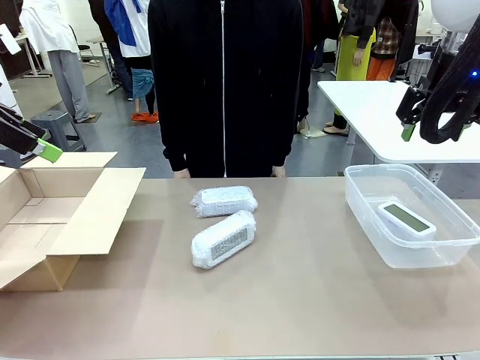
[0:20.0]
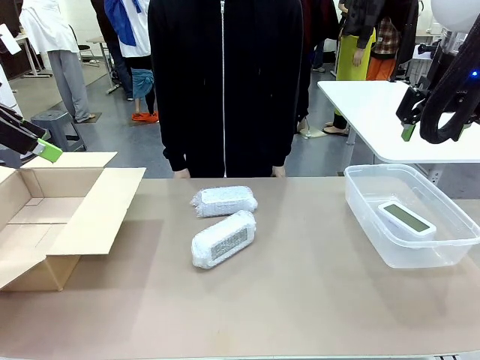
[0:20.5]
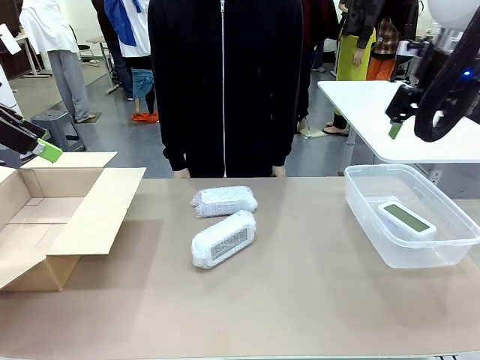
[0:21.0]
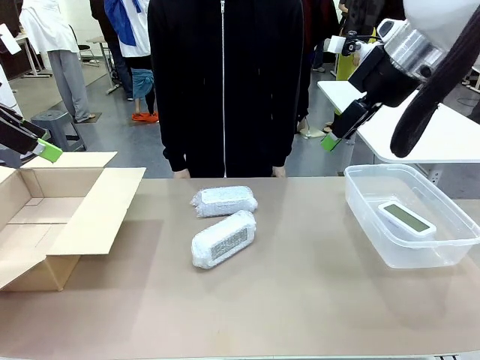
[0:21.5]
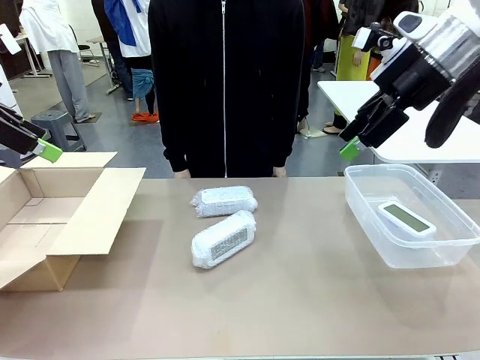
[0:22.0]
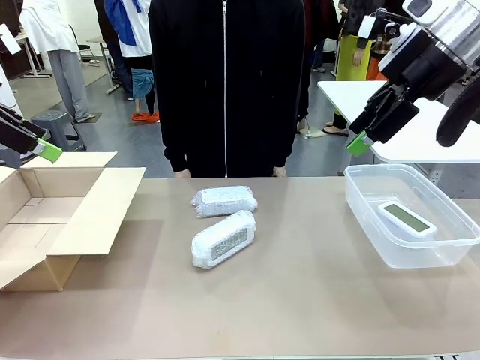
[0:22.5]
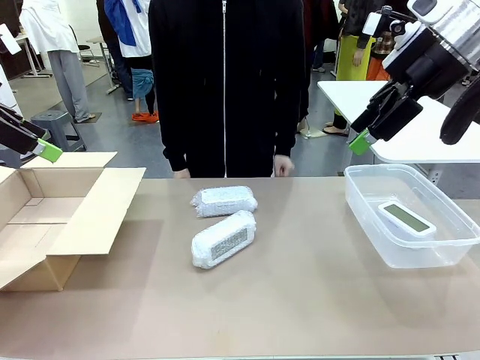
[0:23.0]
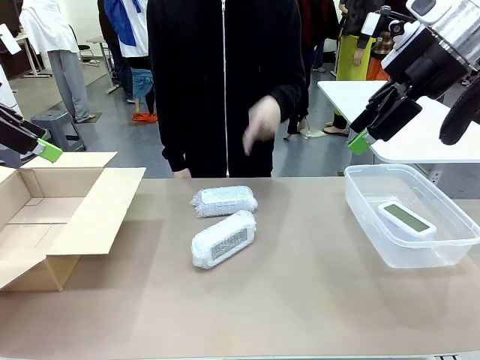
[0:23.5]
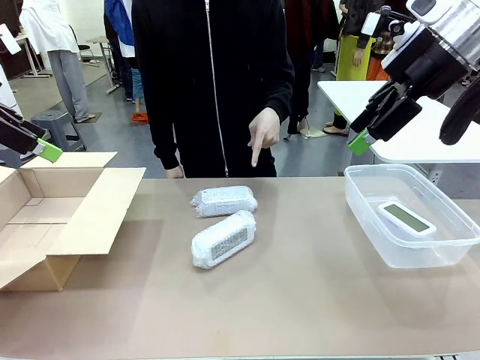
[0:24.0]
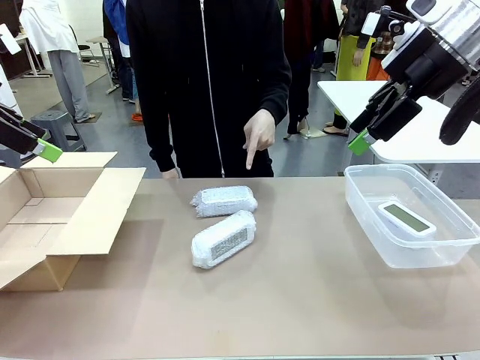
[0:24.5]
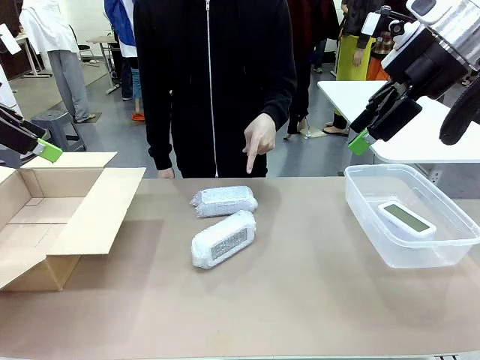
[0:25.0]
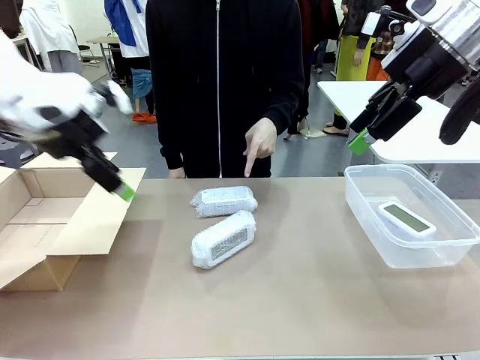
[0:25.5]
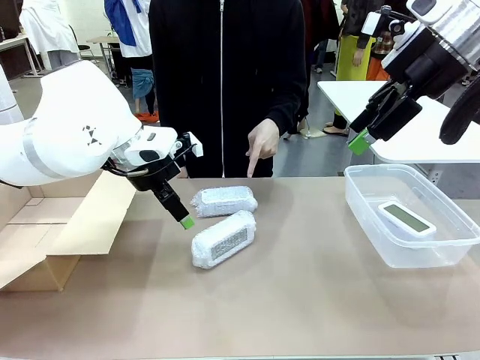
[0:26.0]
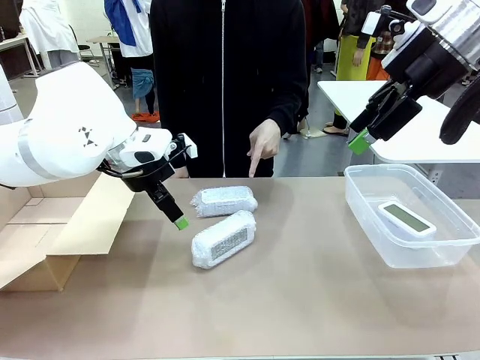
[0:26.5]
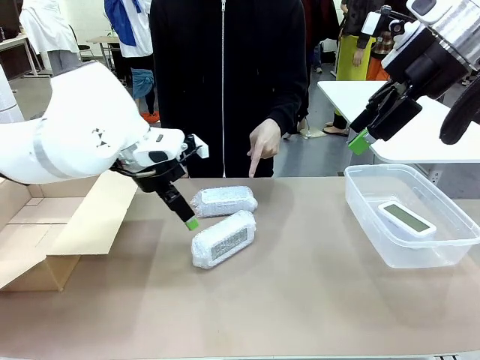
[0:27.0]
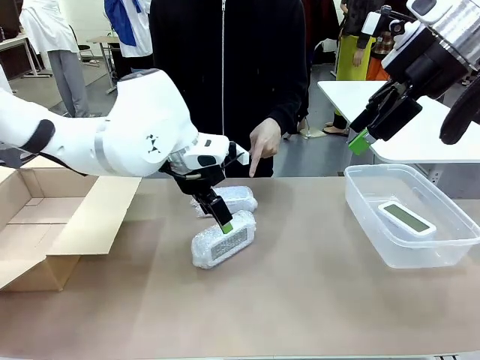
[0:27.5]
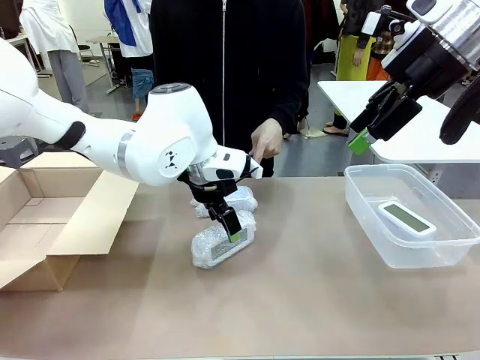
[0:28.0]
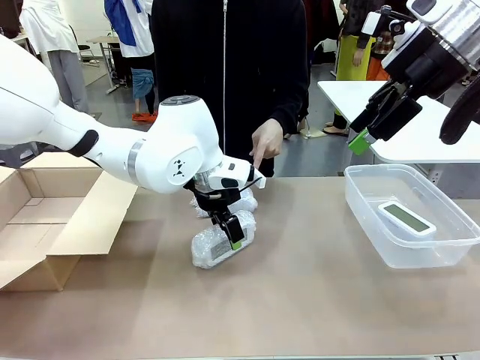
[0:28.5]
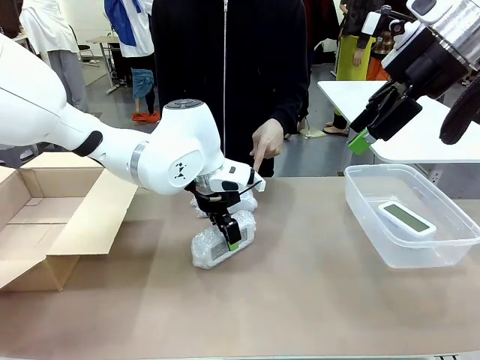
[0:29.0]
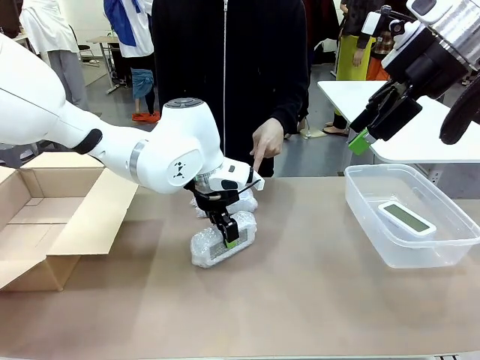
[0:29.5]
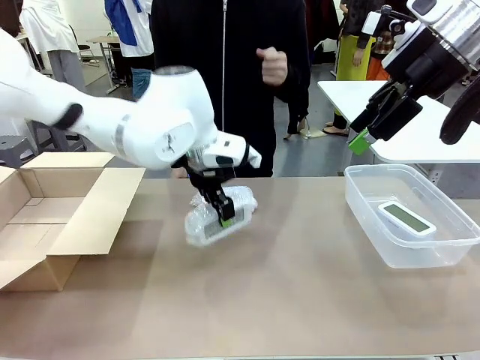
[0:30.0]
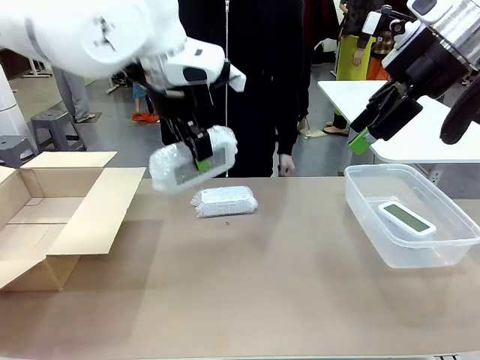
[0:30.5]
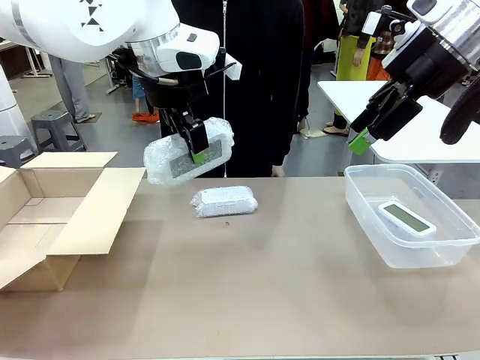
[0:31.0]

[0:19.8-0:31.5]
Task: Separate and place wrapped and unwrapped clocks.
Robot: Pick up the Digital clock indicated by the person.

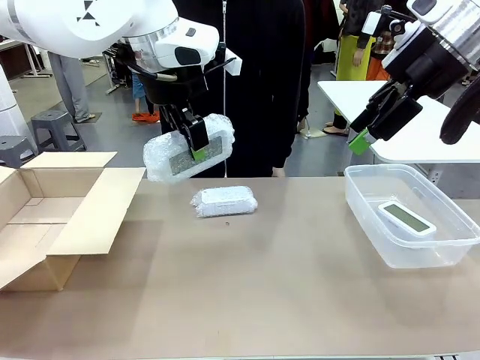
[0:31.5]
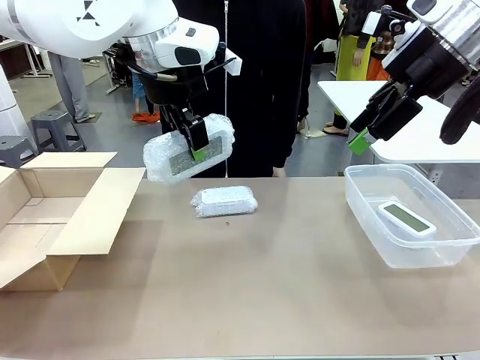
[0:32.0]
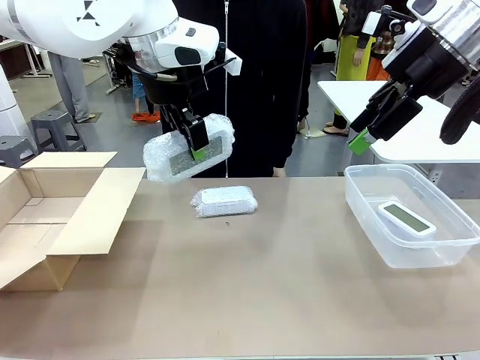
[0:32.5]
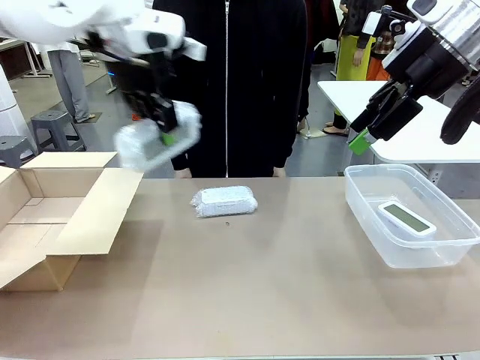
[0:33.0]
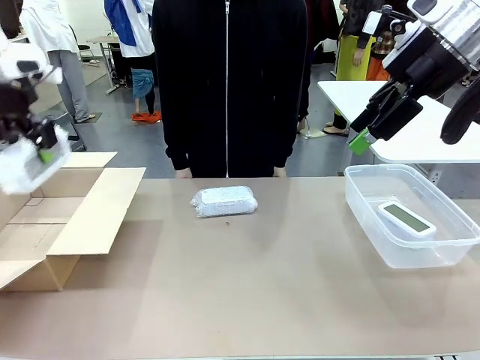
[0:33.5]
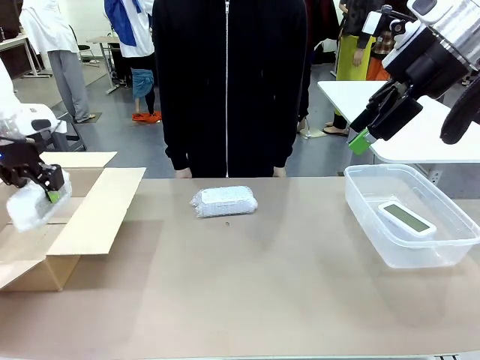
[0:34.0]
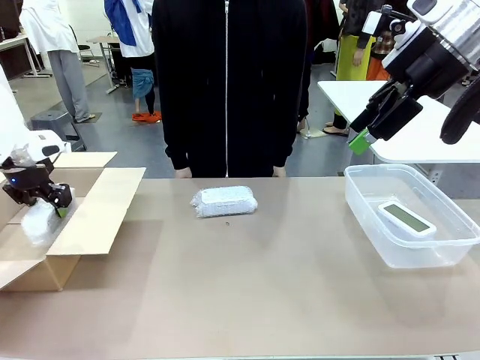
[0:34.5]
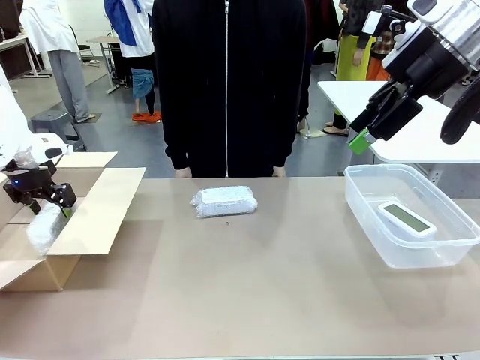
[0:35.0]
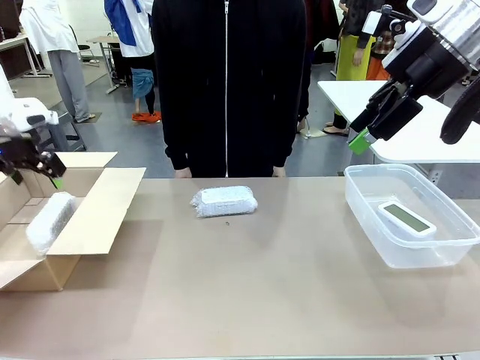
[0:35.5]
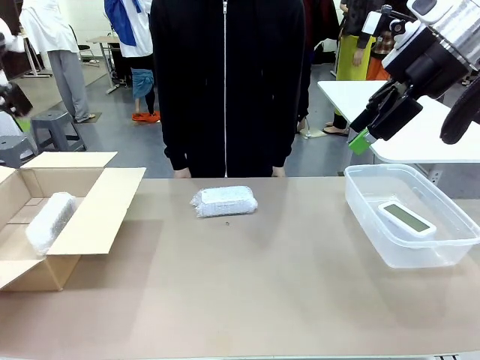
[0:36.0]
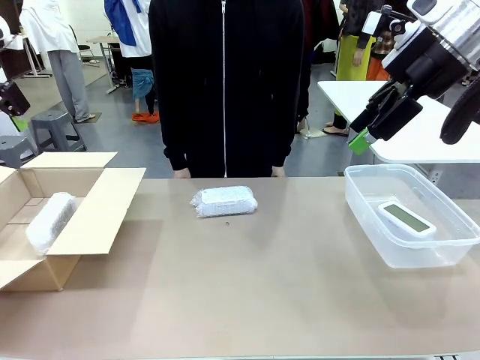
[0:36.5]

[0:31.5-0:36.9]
Robot: If the picked Digital clock is wrapped, place it in the Package Box ; if not, place it in the Organizing box.

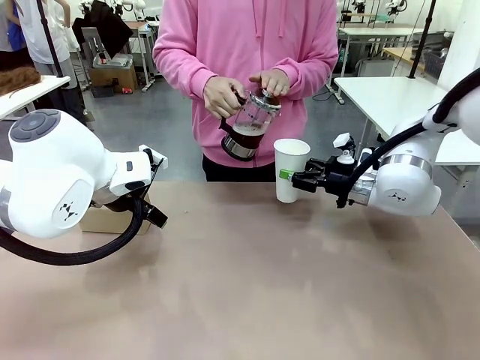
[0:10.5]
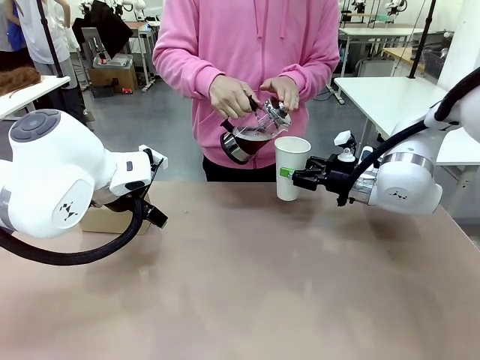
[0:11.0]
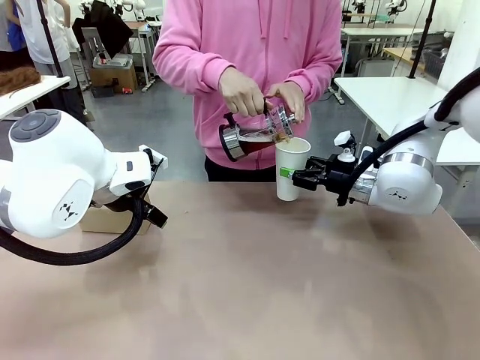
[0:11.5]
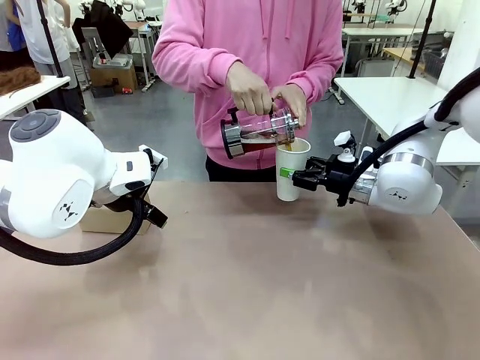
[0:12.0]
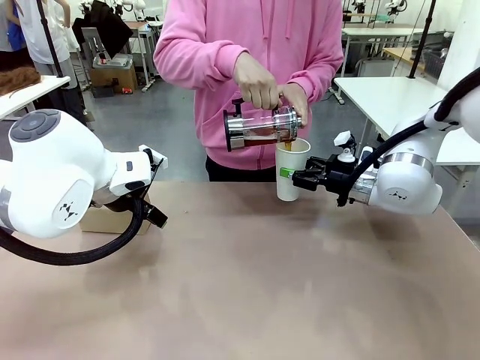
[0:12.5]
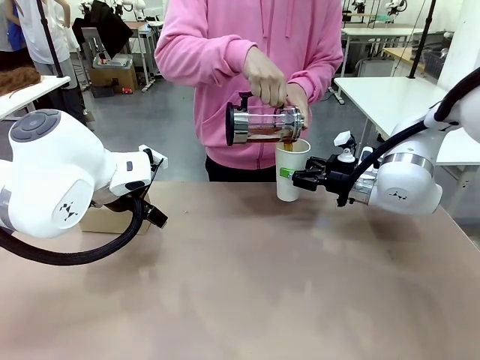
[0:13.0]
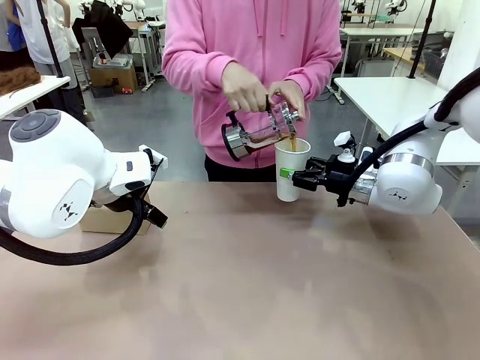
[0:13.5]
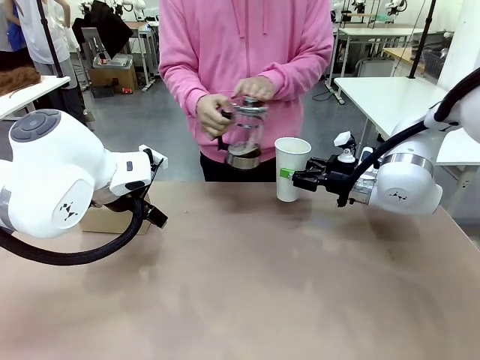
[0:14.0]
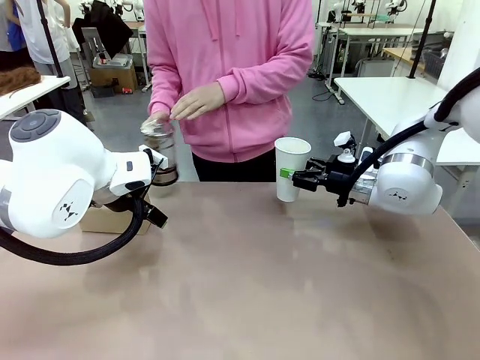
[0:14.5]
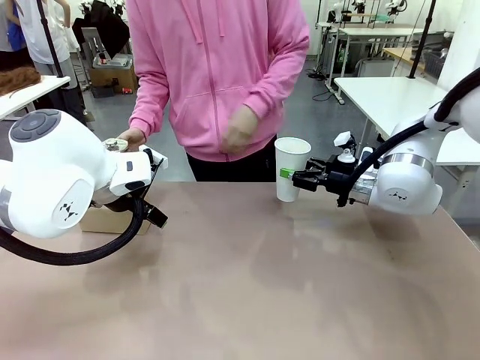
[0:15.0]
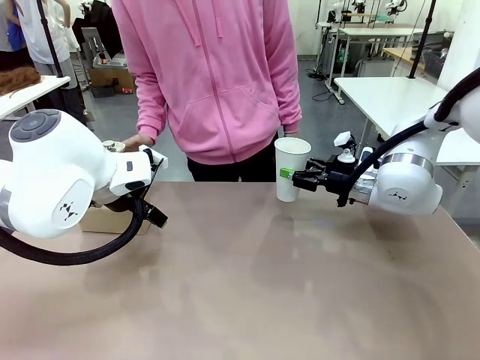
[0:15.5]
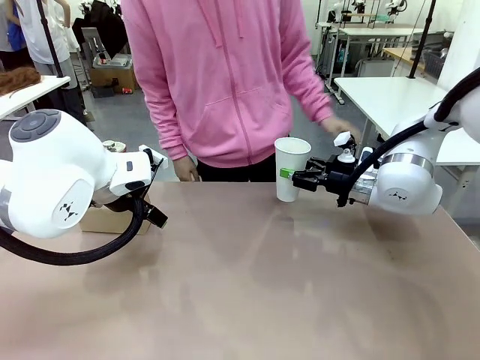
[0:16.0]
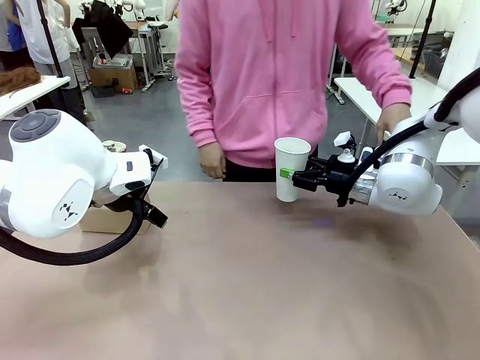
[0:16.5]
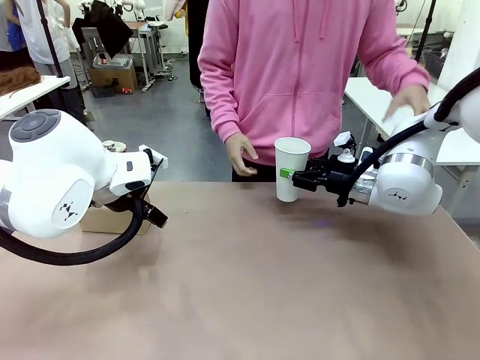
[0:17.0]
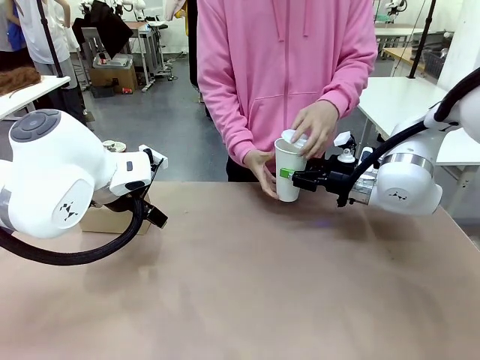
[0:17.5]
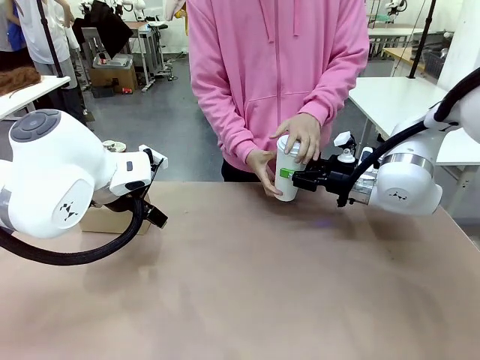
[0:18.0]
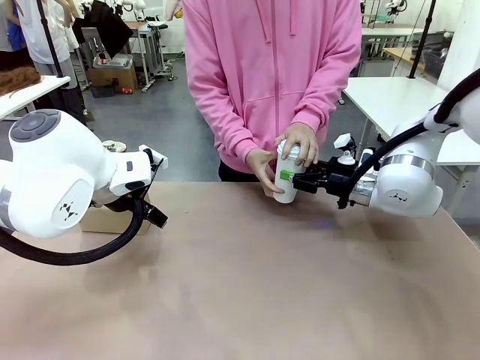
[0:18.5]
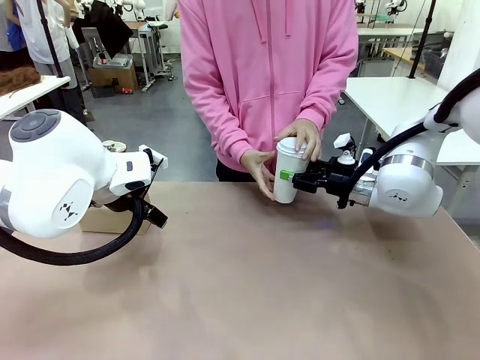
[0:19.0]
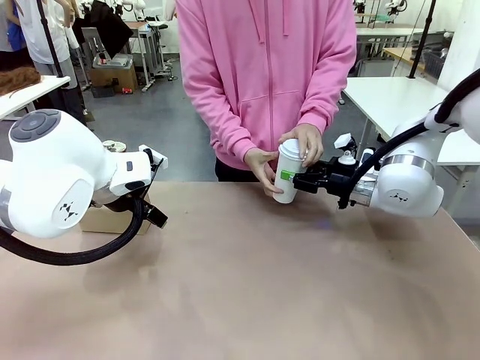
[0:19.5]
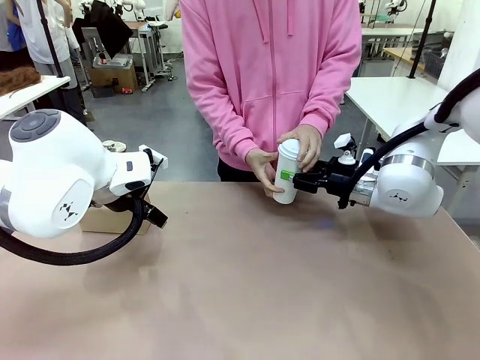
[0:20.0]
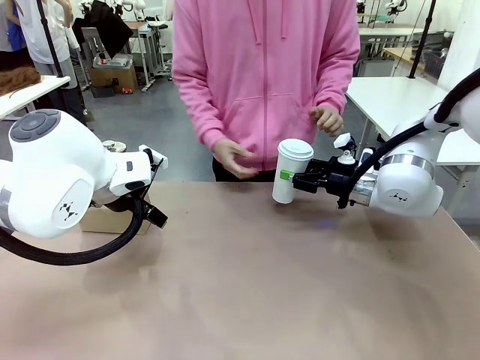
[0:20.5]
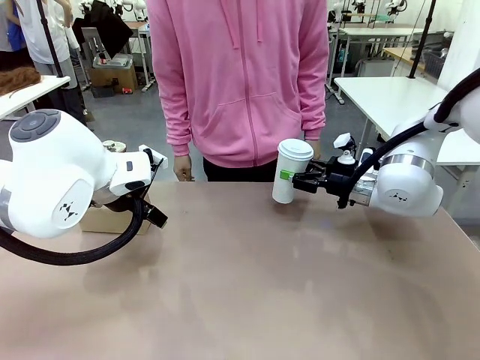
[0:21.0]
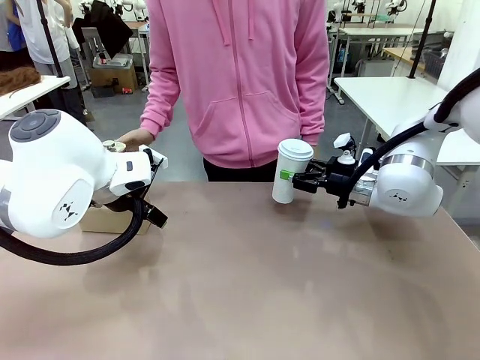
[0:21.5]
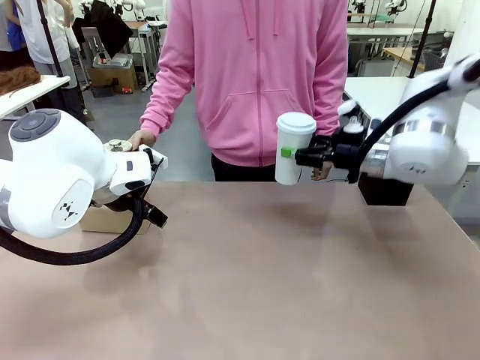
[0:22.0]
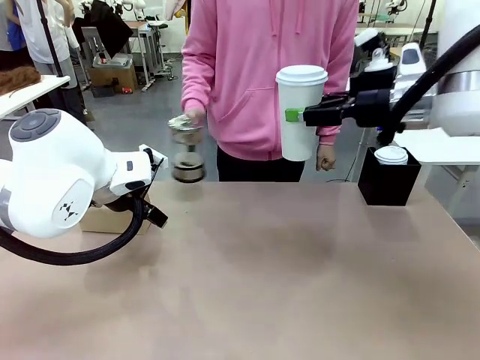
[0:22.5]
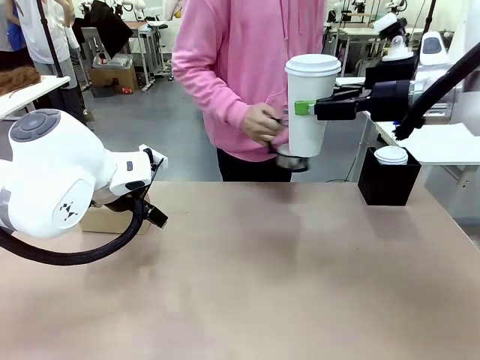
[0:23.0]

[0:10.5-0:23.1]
Task: Pour a drink into a cup and package it in a carrier.
Robot: When a person places the Paper Cup Lid on the 600 ml Paper Cup , lift the 600 ml Paper Cup.
Person: Pour the drink from the Filter Brewing into the 600 ml Paper Cup. Place a Paper Cup Lid on the 600 ml Paper Cup.
